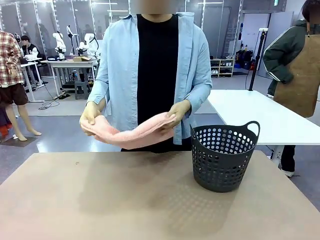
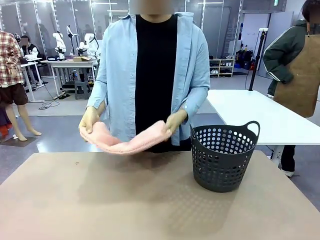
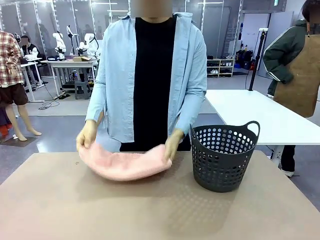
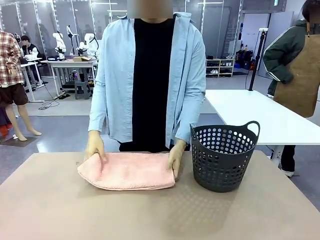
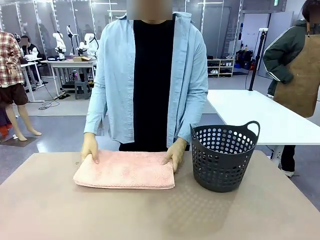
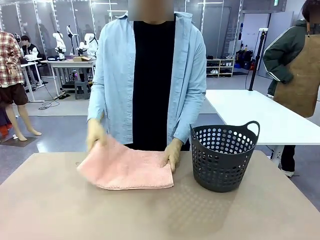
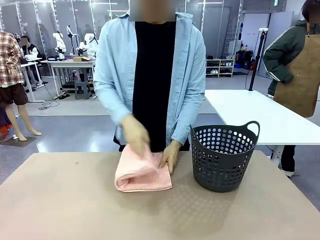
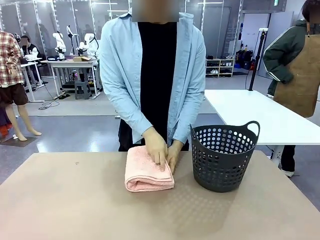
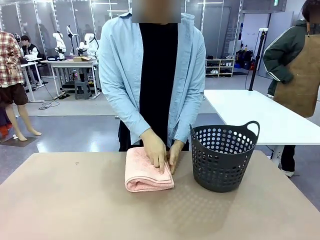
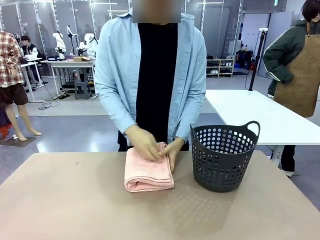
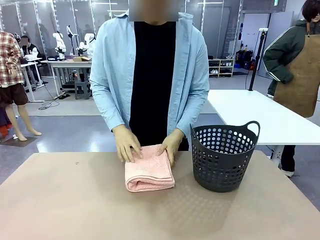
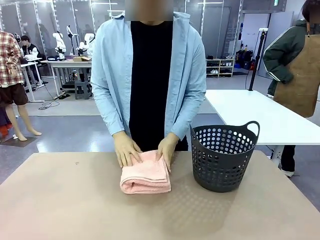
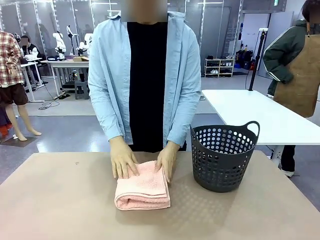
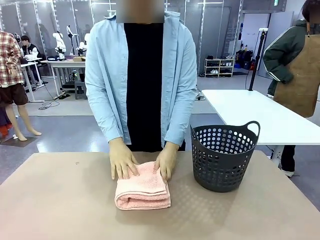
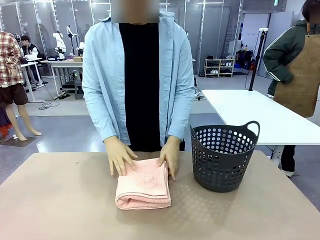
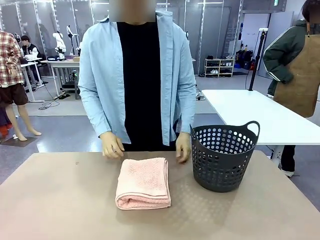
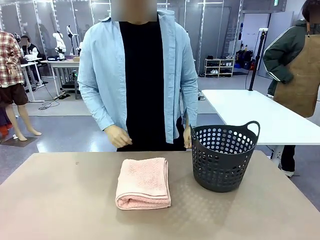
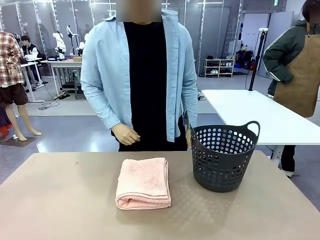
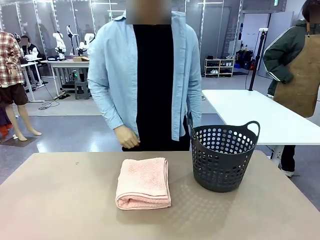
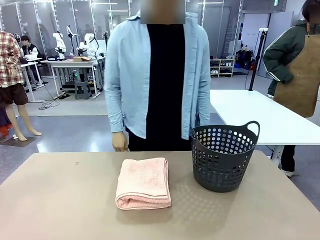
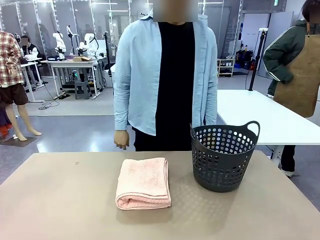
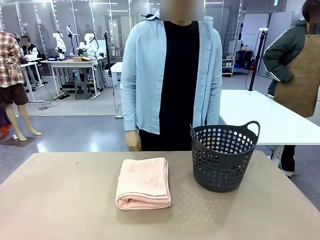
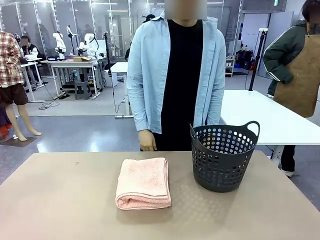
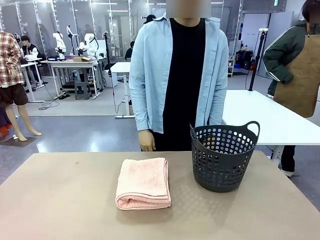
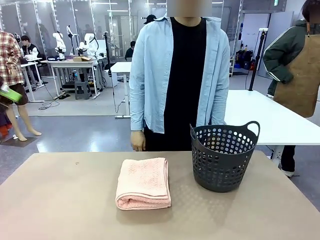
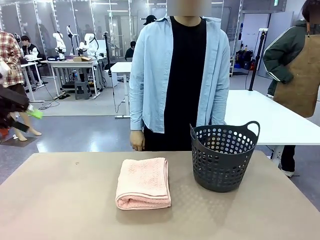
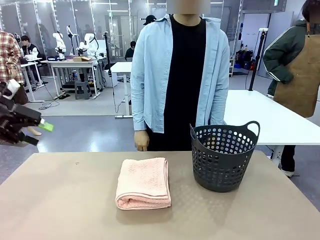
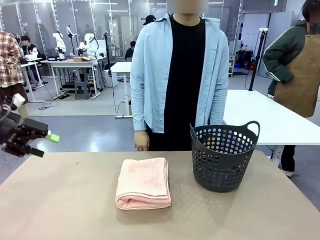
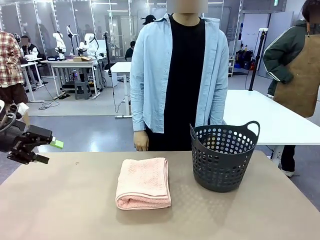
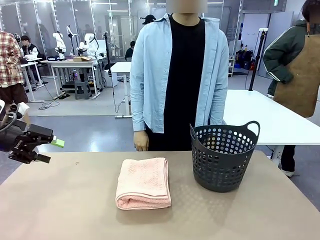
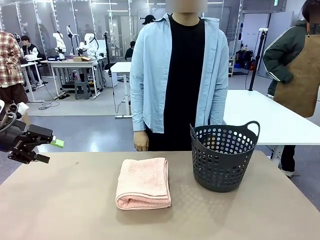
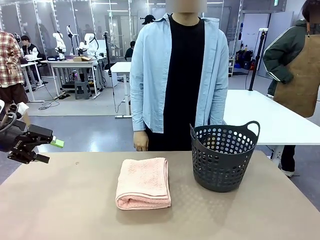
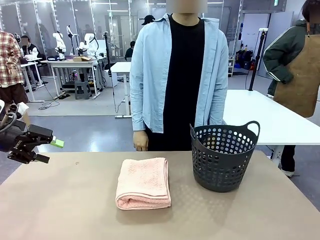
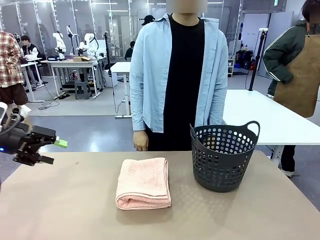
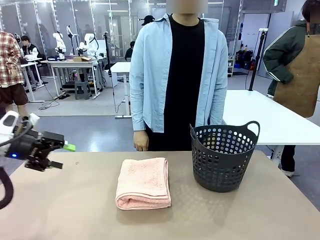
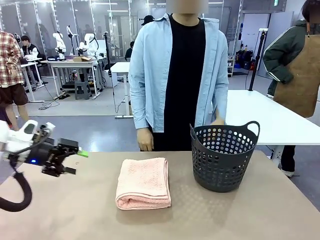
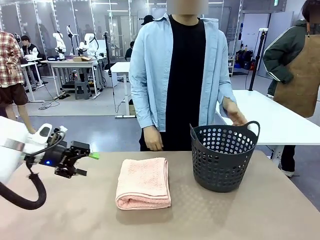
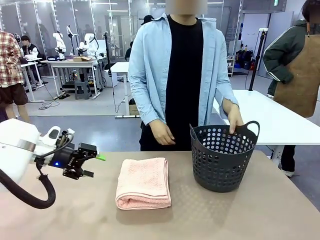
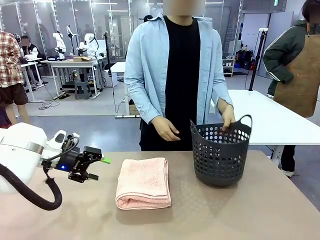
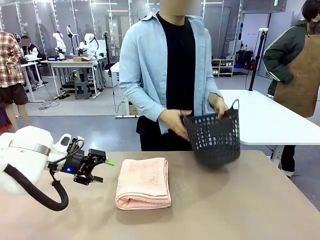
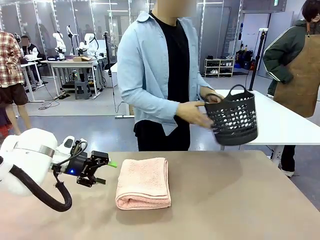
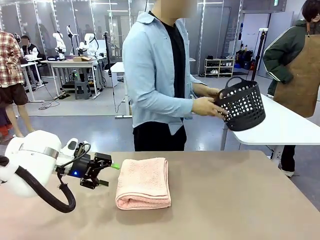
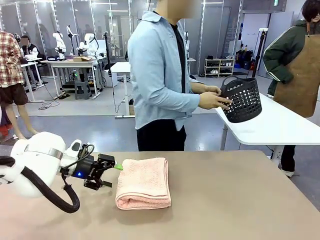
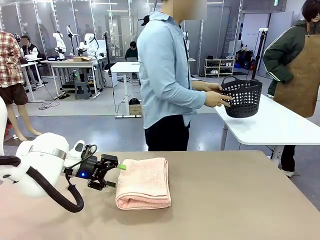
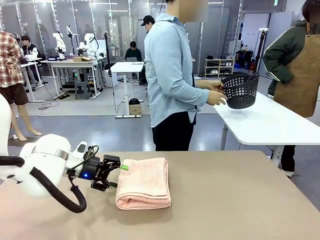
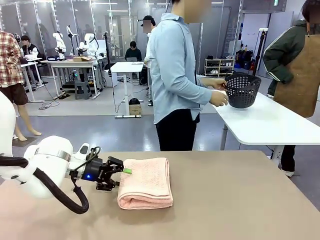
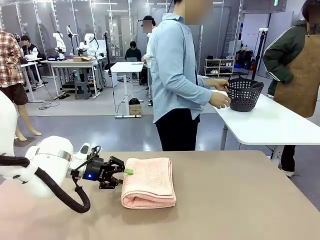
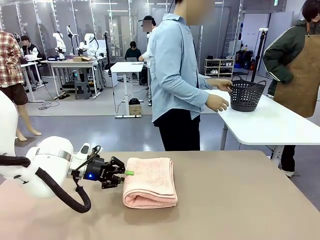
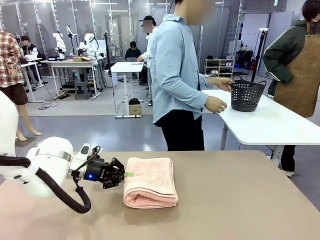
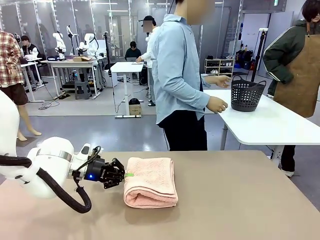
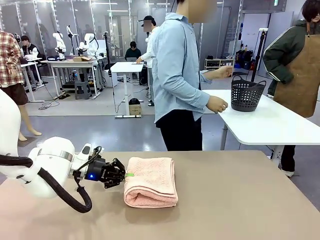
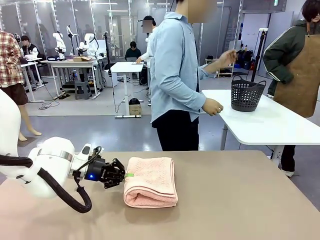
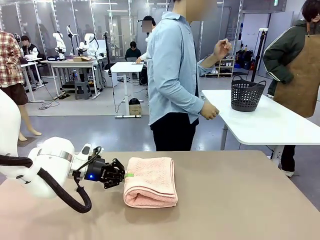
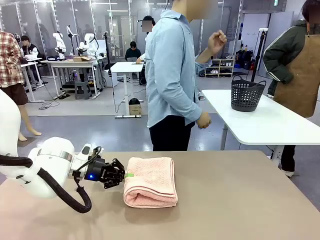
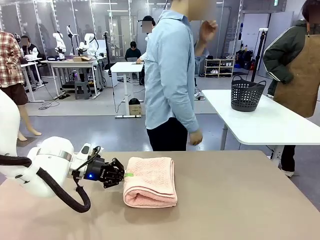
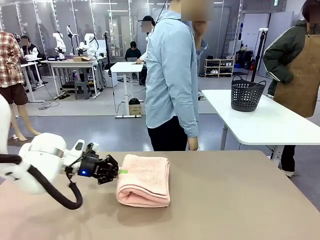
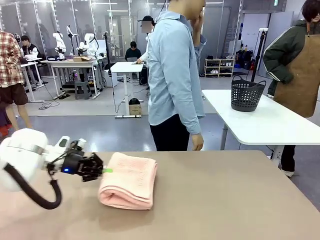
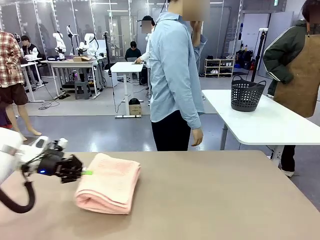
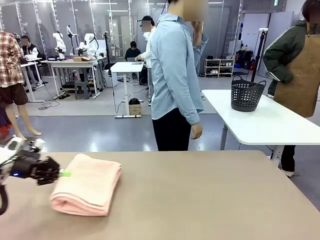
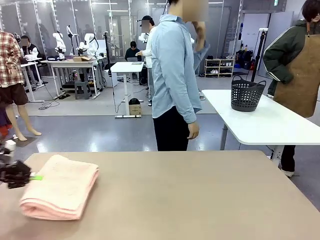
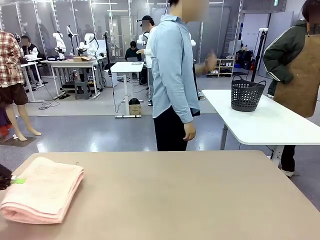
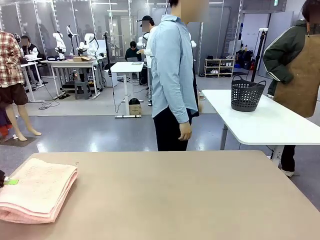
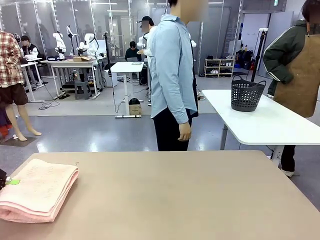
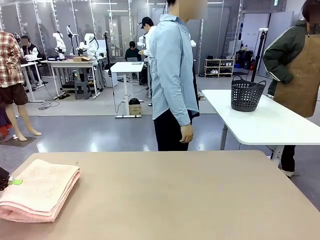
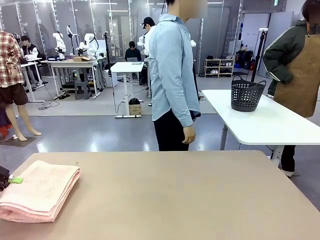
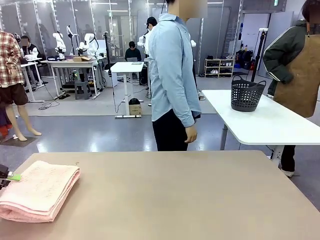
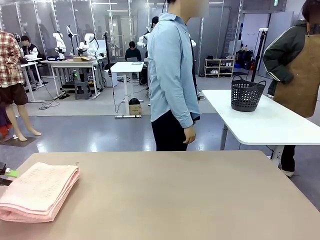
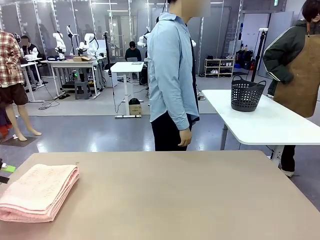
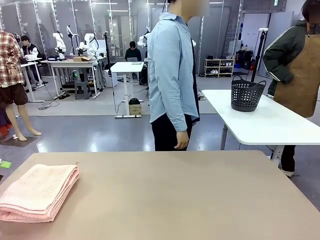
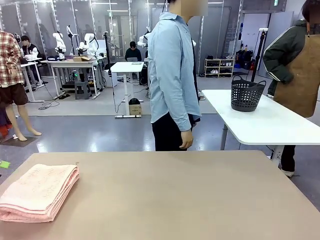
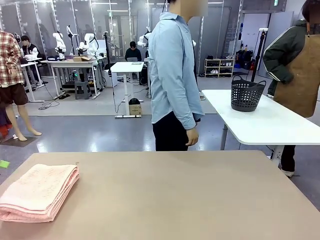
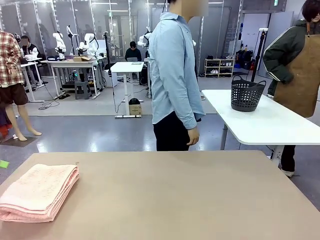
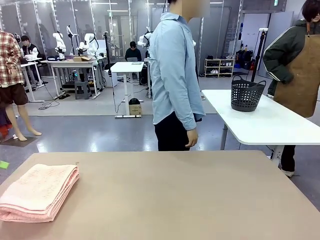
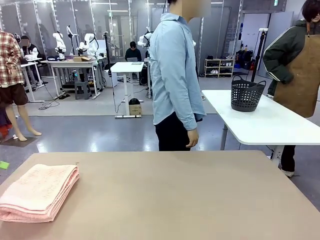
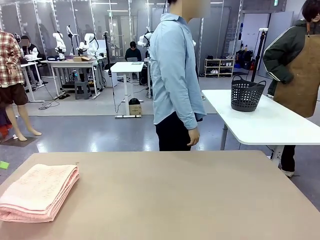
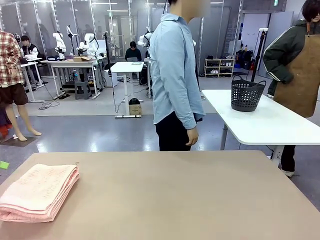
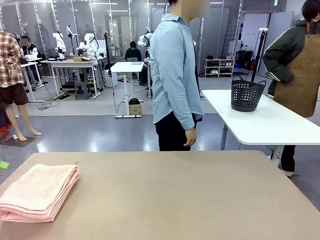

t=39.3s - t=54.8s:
Task: Fold the towel.
Robot: Pick up the 100 cm Hotel Towel and place it on the left side of the table.
Person: Pick up the laundry basket and place it at the center of the human table.
